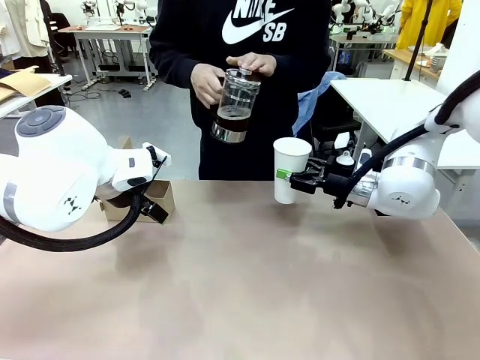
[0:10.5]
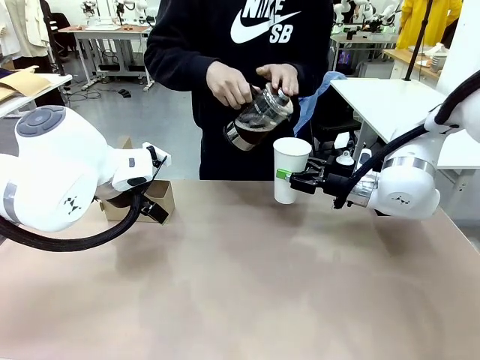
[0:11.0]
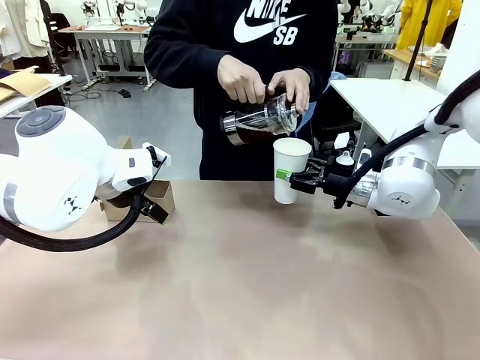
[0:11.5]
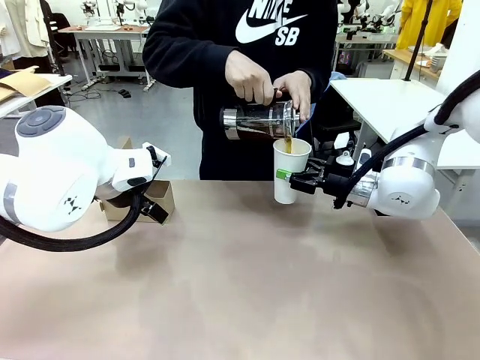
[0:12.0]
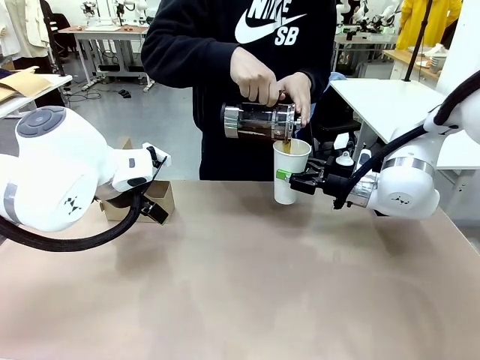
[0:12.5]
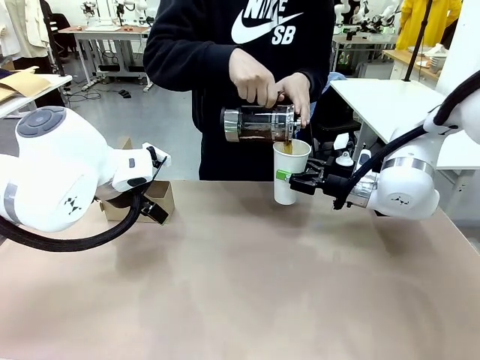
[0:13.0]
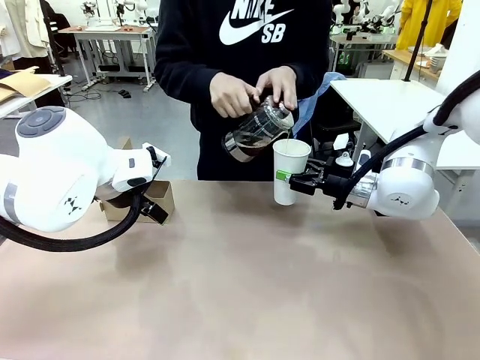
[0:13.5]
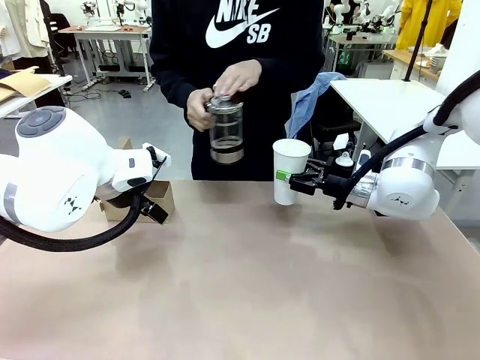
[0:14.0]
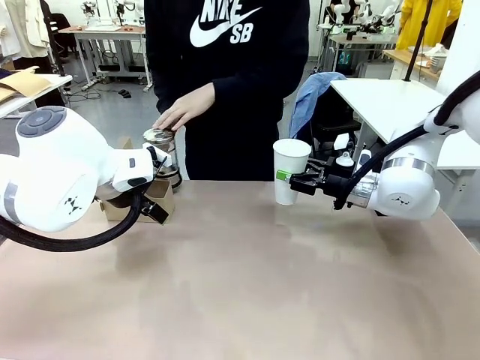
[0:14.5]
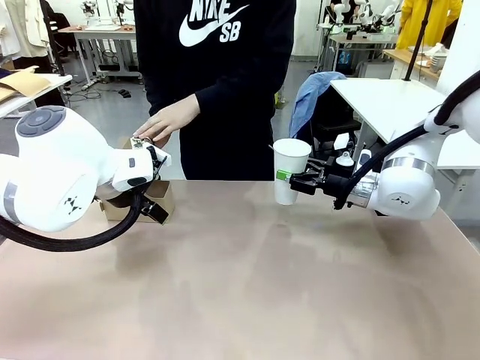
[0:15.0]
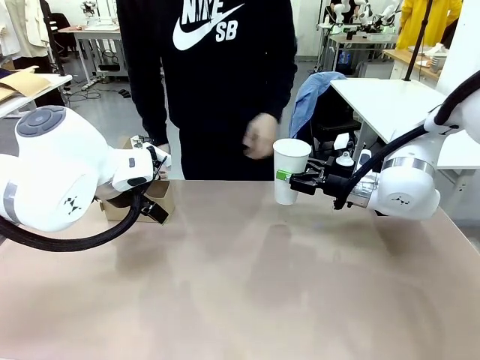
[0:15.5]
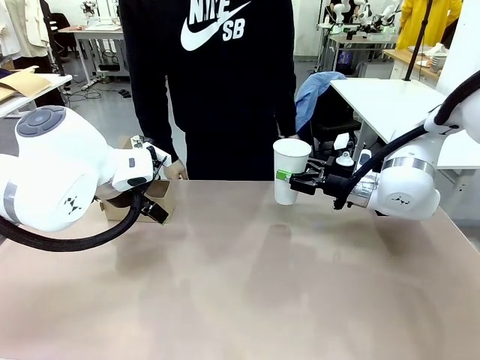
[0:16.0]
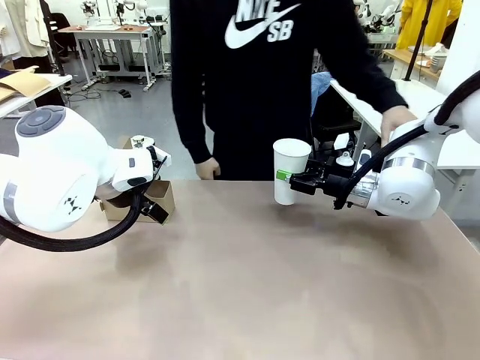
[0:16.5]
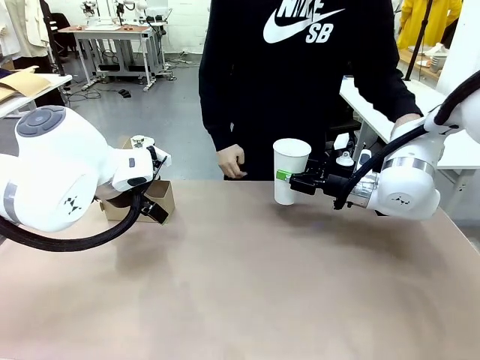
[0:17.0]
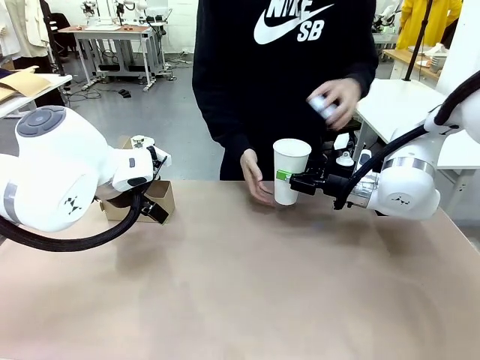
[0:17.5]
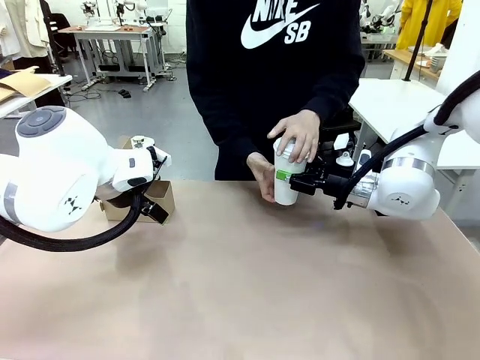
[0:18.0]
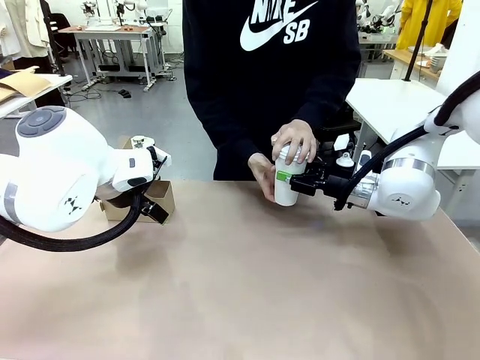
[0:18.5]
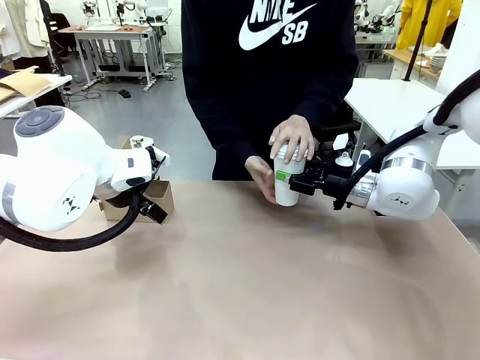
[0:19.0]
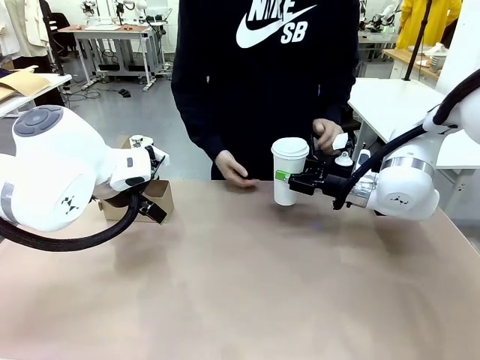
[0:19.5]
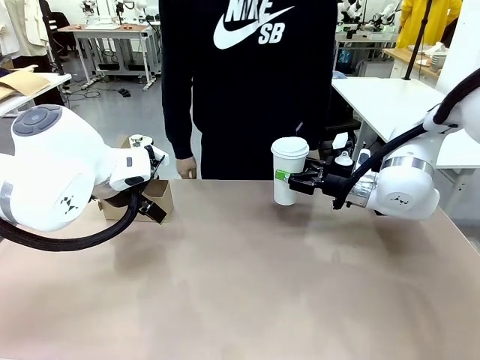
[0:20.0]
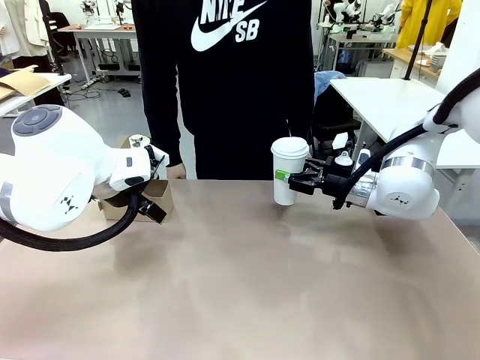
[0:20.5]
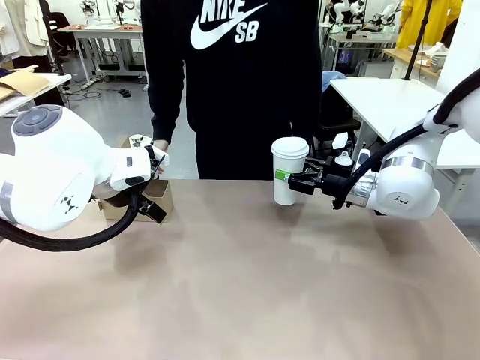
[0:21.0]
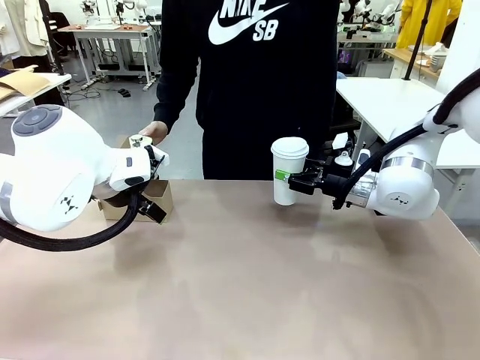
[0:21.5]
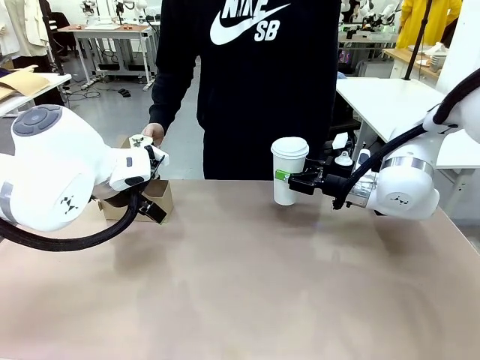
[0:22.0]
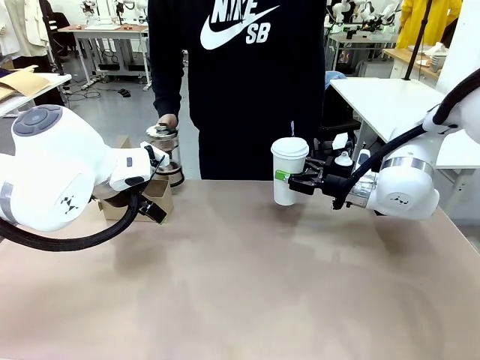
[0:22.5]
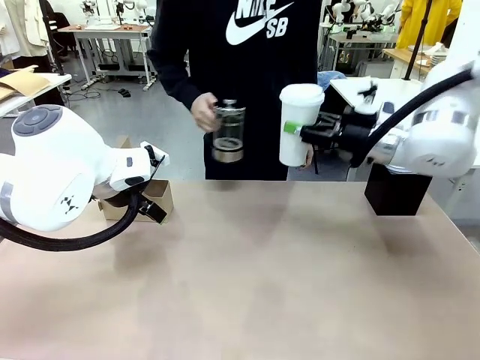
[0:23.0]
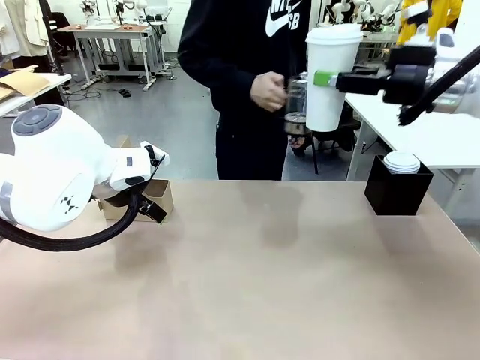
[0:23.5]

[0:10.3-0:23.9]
Task: Pour a drink into a cup and package it in a carrier.
Robot: When a person places the Paper Cup Lid on the 600 ml Paper Cup , lift the 600 ml Paper Cup.
Person: Pour the drink from the Filter Brewing into the 600 ml Paper Cup. Place a Paper Cup Lid on the 600 ml Paper Cup.

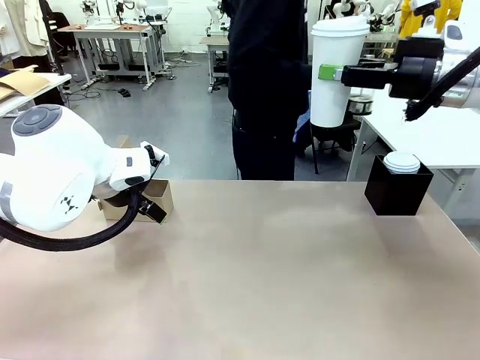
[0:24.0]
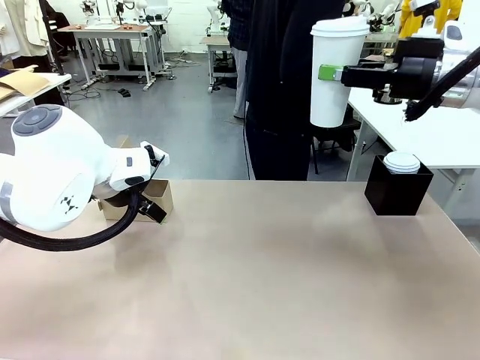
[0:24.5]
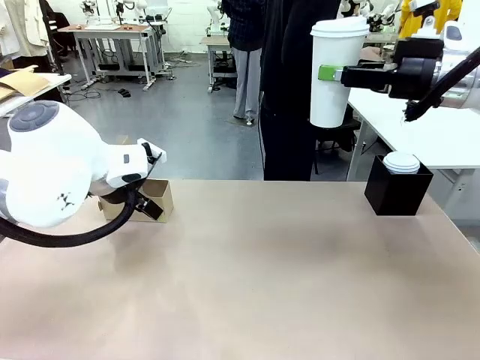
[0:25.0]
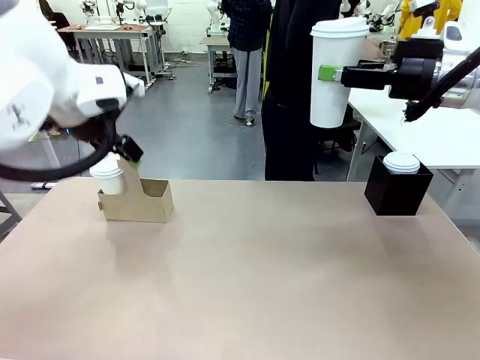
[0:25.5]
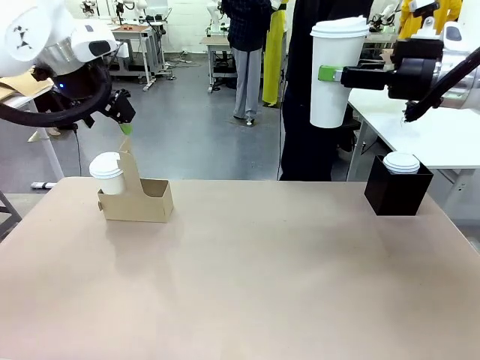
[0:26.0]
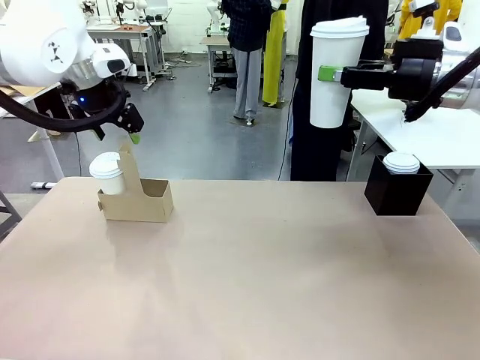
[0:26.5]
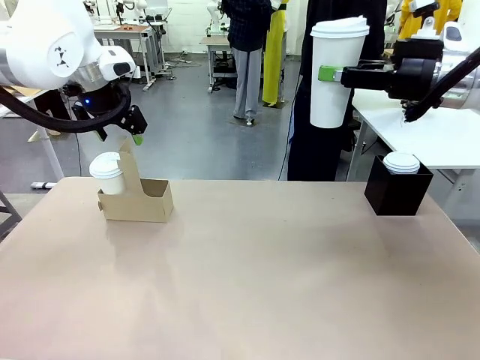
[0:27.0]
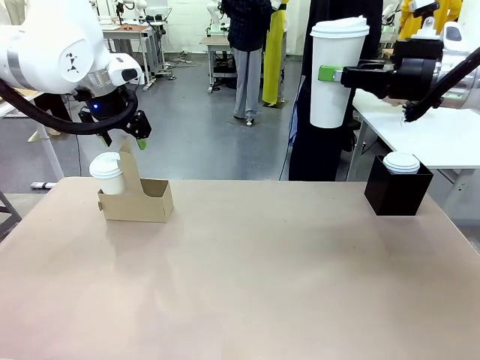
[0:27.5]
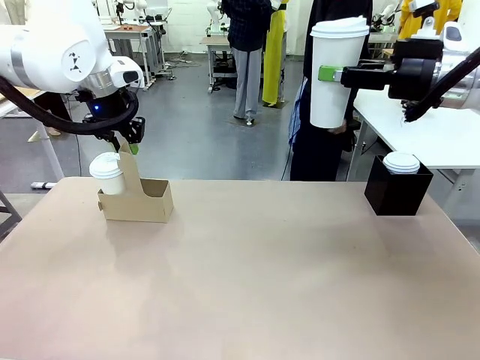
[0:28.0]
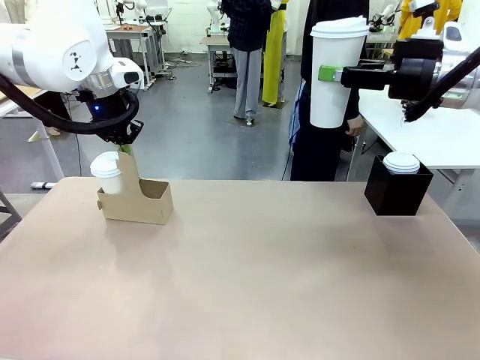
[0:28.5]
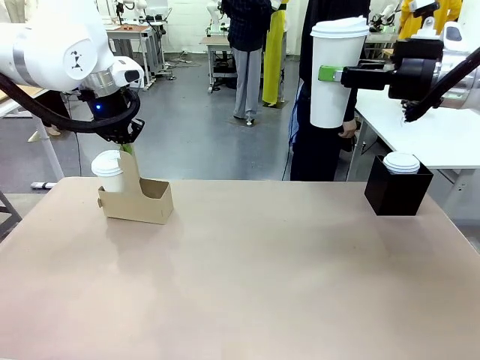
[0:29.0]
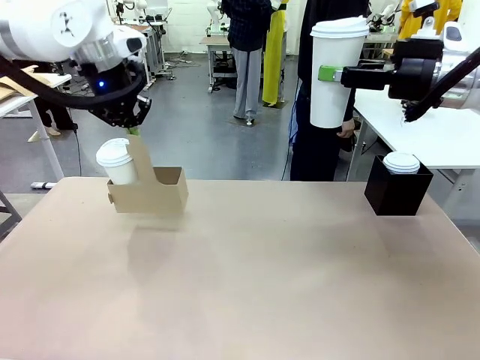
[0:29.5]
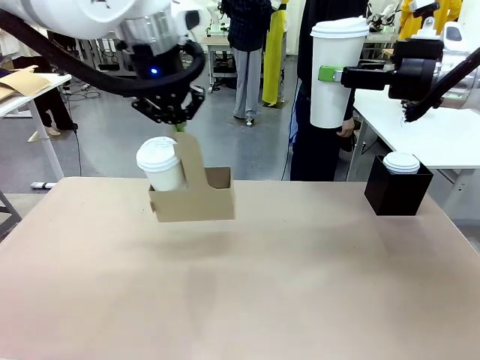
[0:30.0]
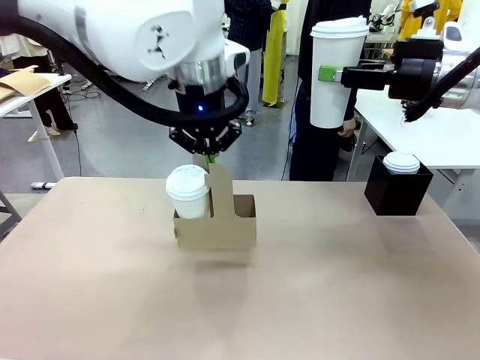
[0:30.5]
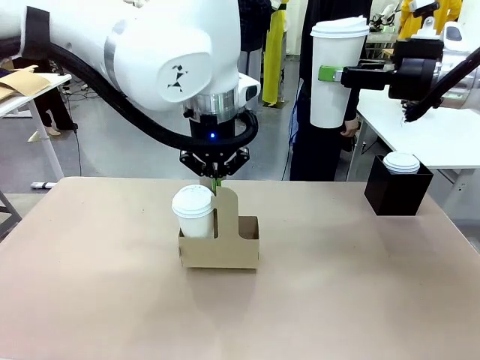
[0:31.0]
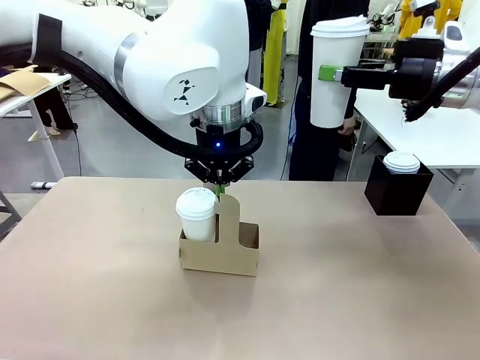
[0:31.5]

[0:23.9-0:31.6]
Robot: Position the Cup Carrier in the center of the table.

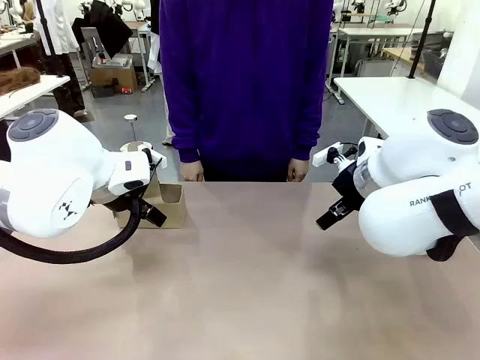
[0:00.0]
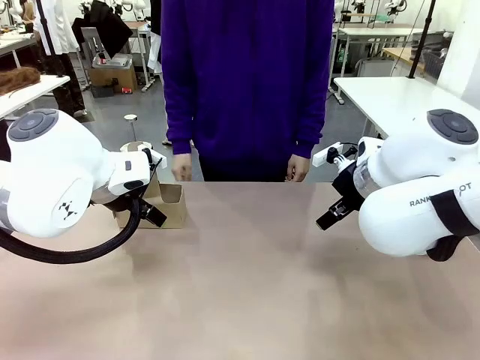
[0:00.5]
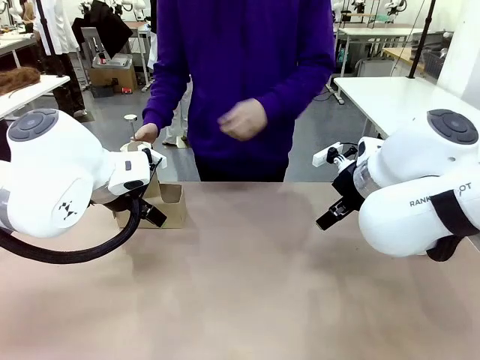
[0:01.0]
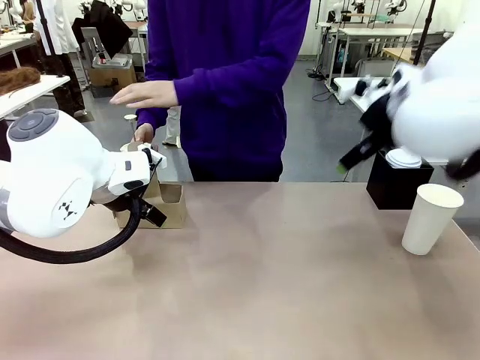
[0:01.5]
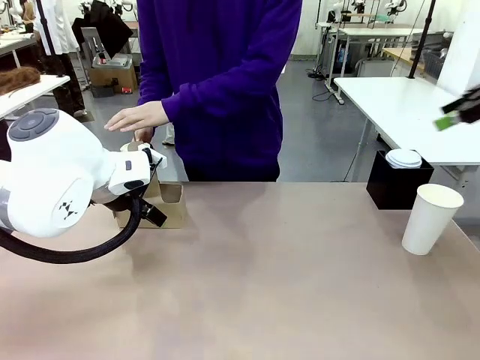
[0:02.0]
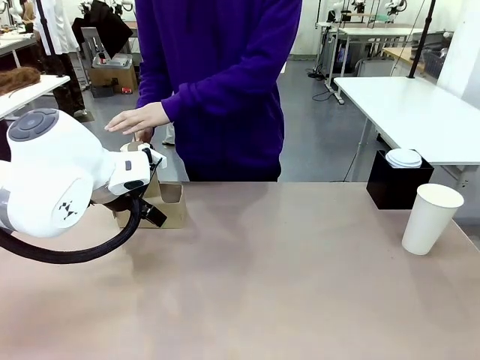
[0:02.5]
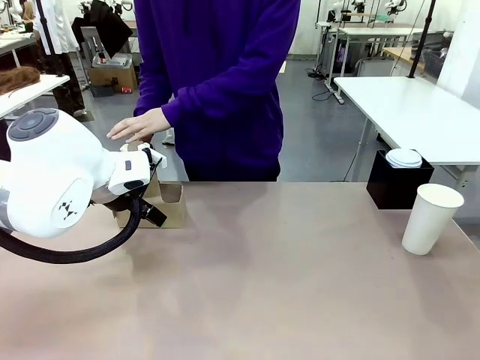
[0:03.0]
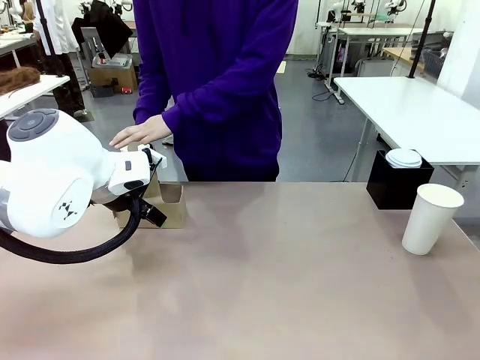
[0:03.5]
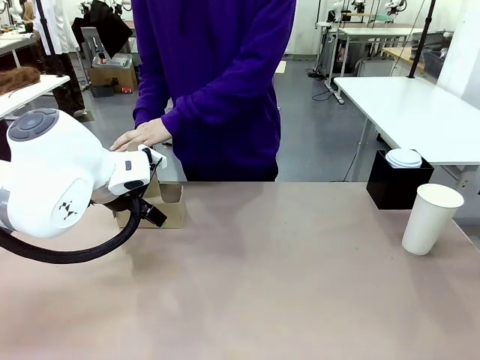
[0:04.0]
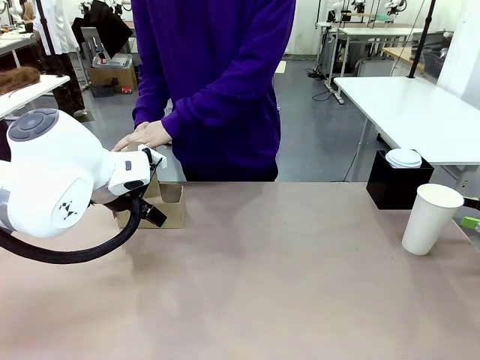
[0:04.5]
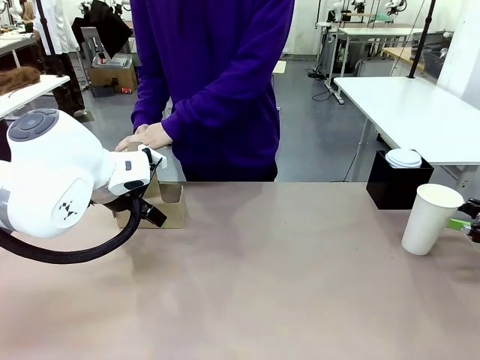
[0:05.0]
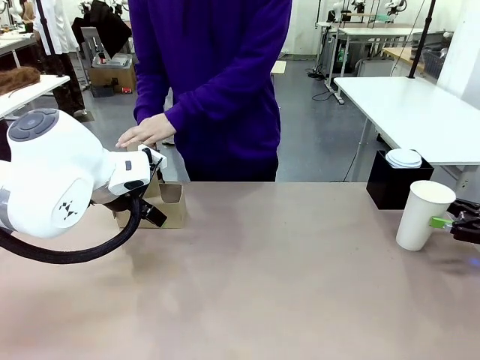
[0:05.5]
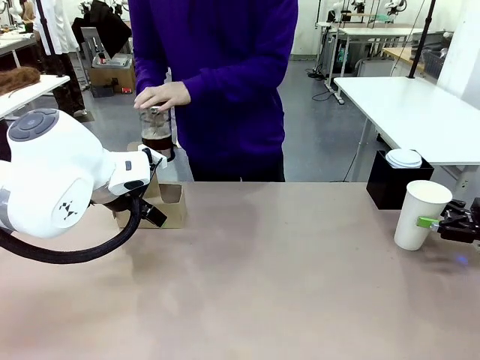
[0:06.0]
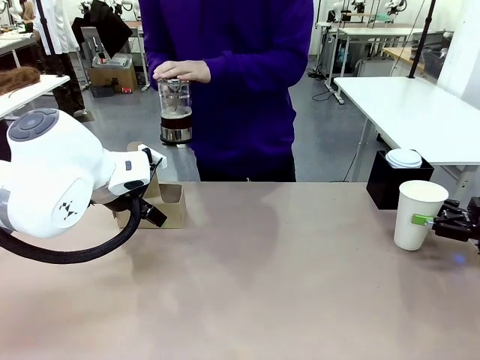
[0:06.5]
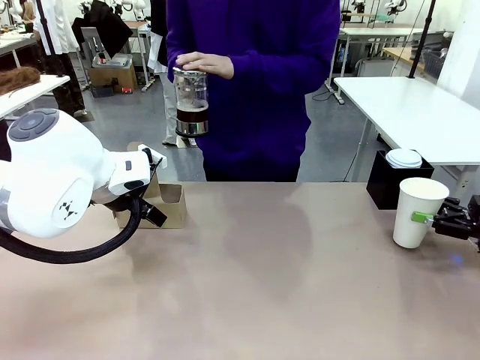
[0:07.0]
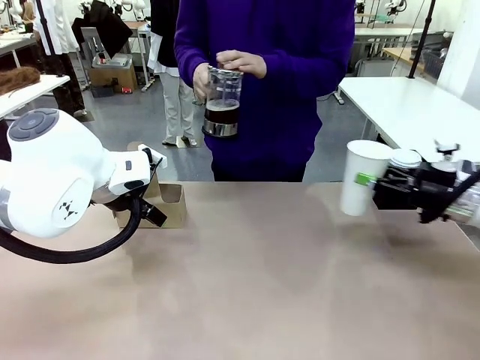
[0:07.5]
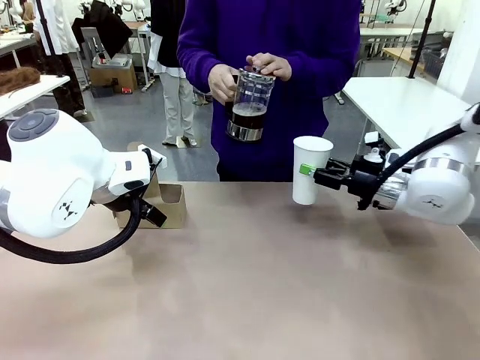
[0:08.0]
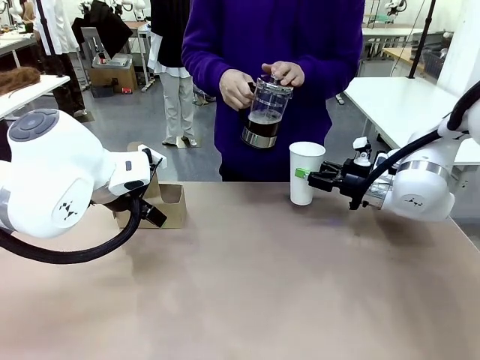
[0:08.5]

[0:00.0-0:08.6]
Task: Pour a drink into a cup and package it in a carrier.
Robot: Pick up the 600 ml Paper Cup and place it in the middle top area of the table.
Person: Press and pick up the Filter Brewing.
